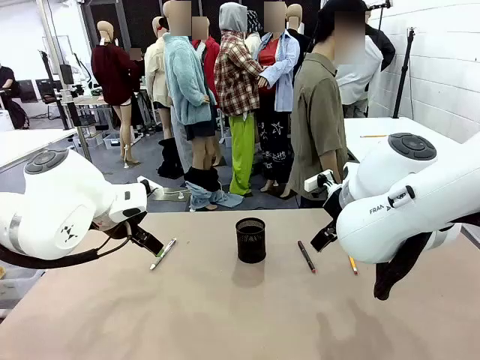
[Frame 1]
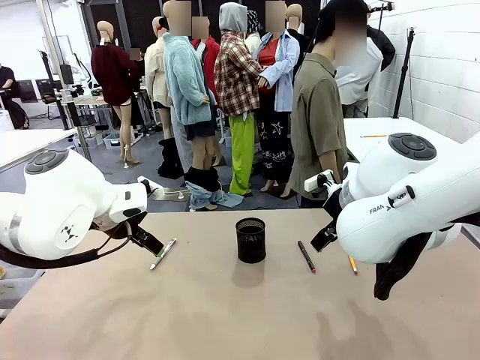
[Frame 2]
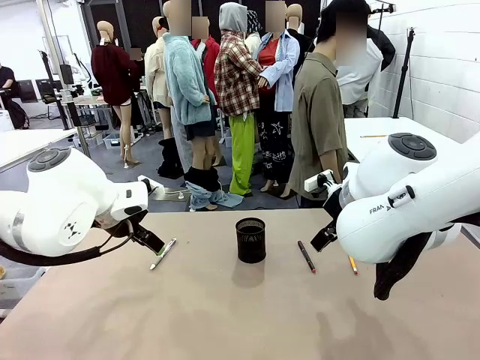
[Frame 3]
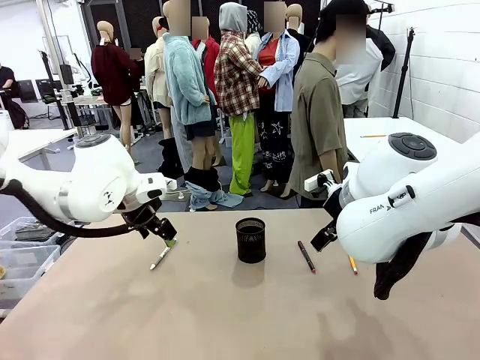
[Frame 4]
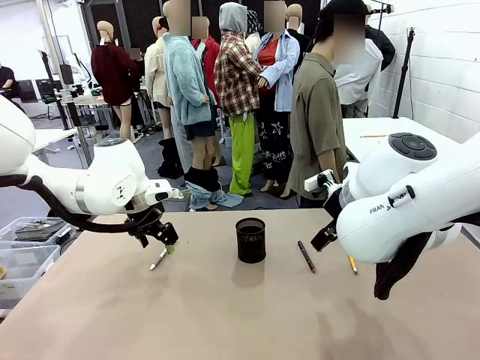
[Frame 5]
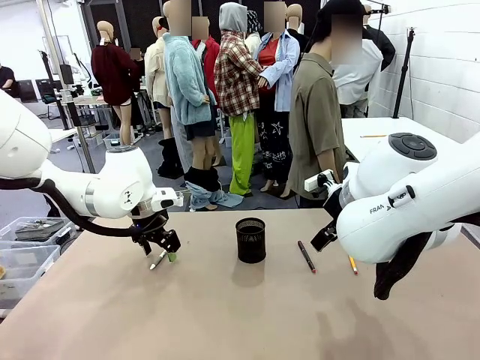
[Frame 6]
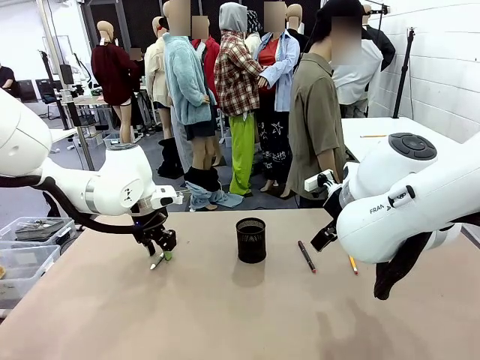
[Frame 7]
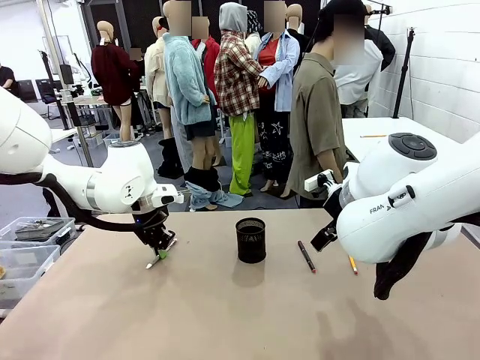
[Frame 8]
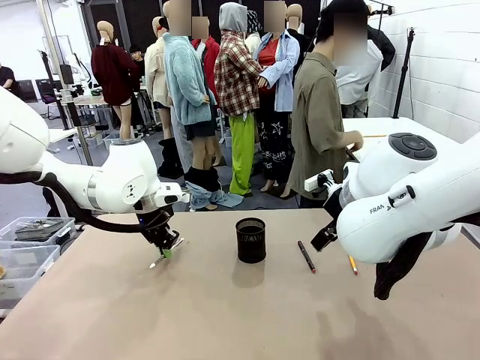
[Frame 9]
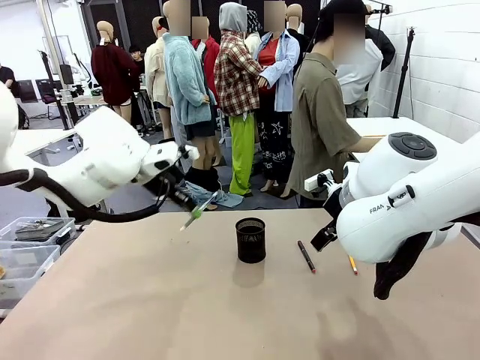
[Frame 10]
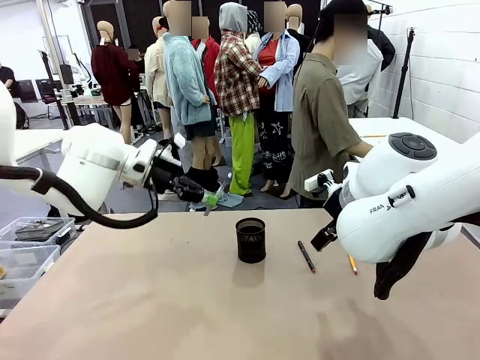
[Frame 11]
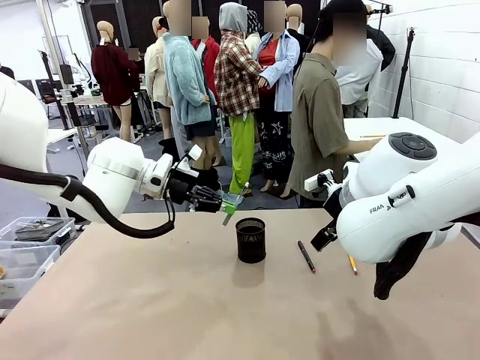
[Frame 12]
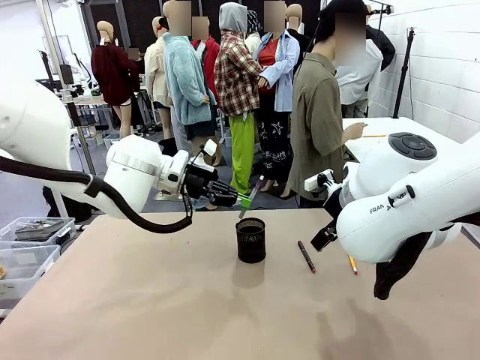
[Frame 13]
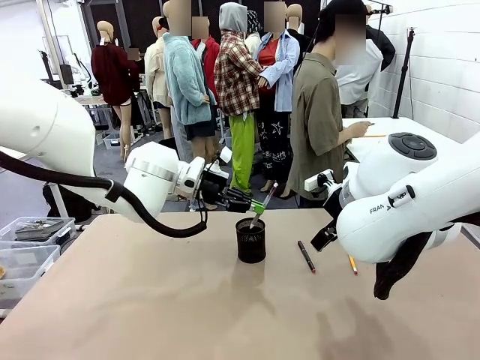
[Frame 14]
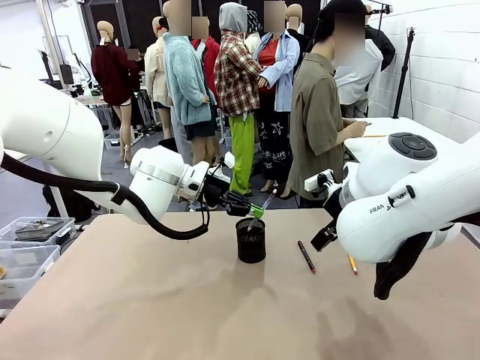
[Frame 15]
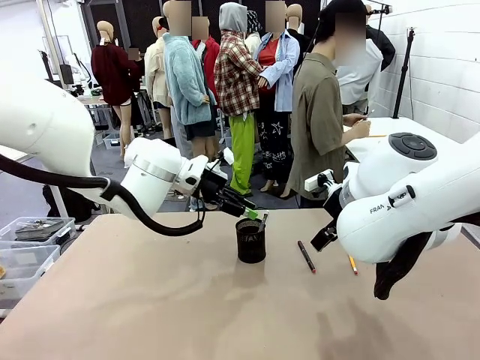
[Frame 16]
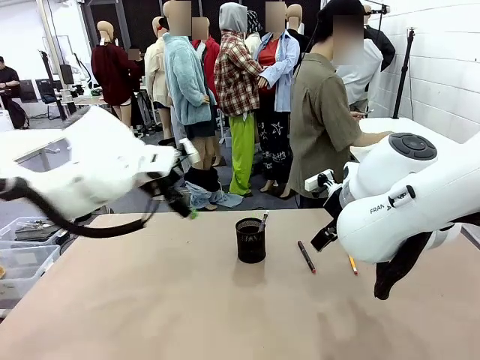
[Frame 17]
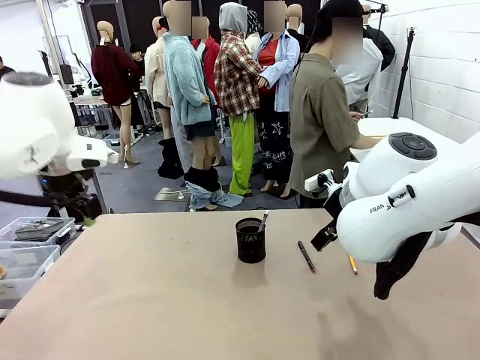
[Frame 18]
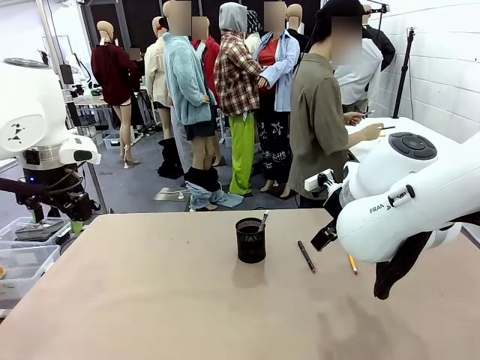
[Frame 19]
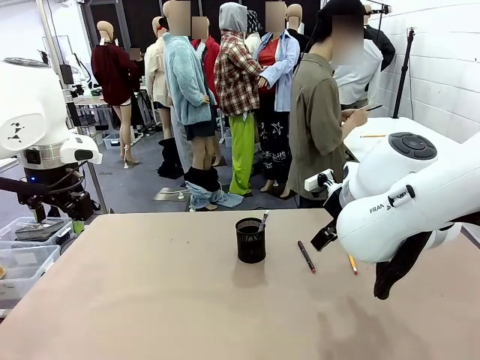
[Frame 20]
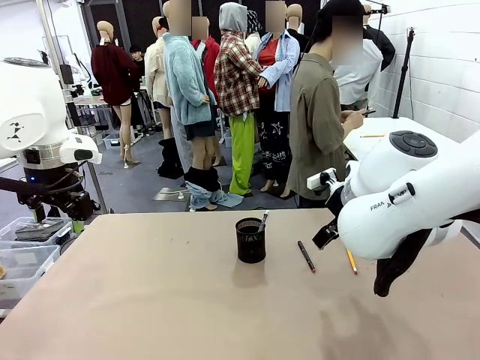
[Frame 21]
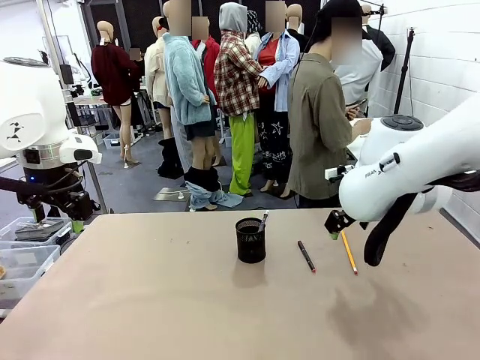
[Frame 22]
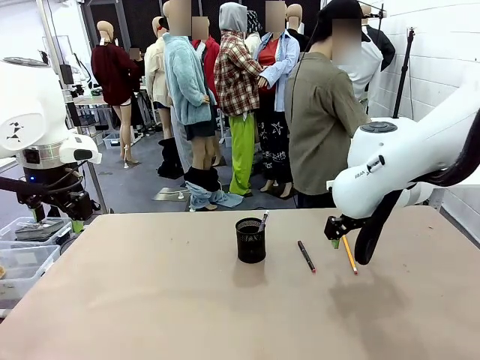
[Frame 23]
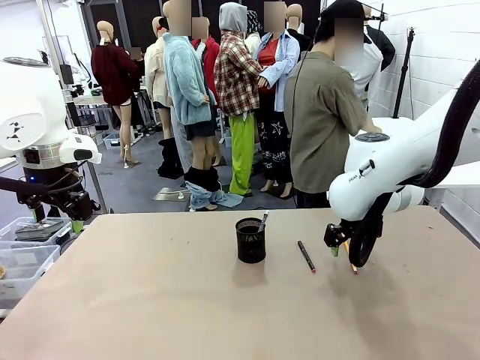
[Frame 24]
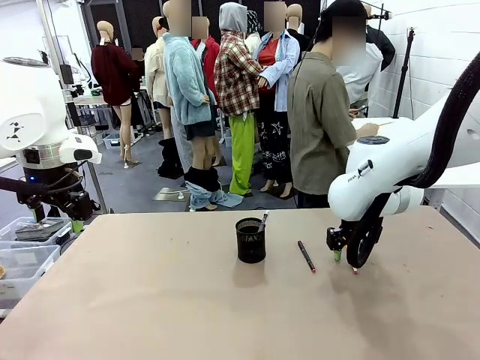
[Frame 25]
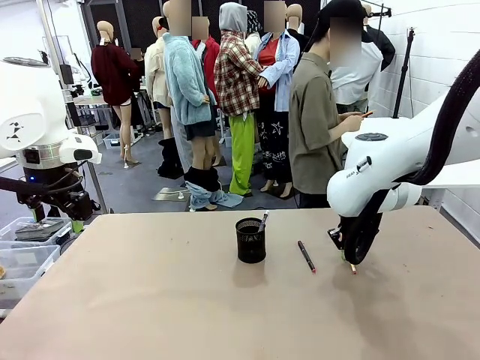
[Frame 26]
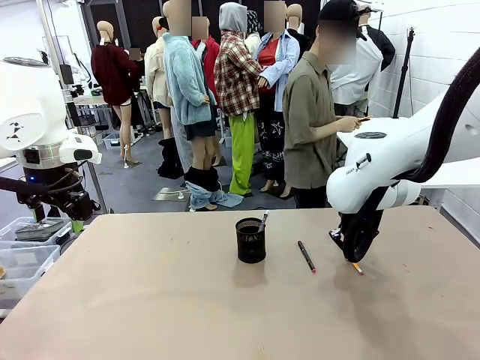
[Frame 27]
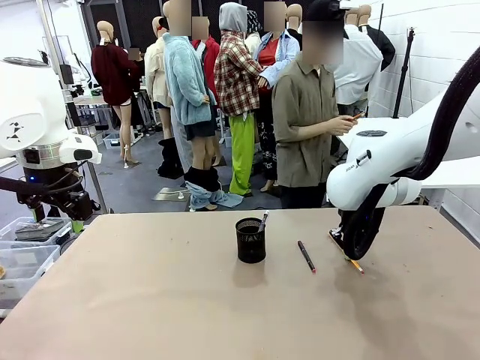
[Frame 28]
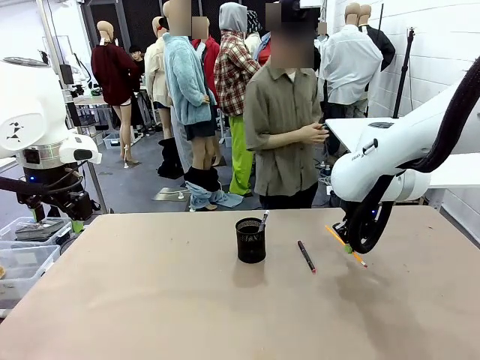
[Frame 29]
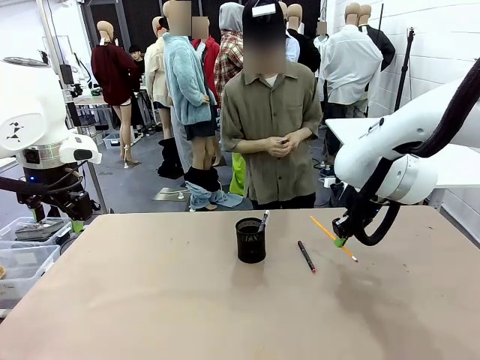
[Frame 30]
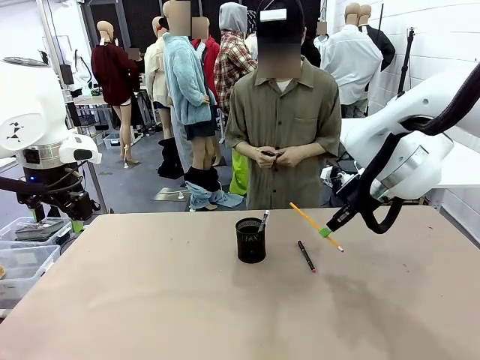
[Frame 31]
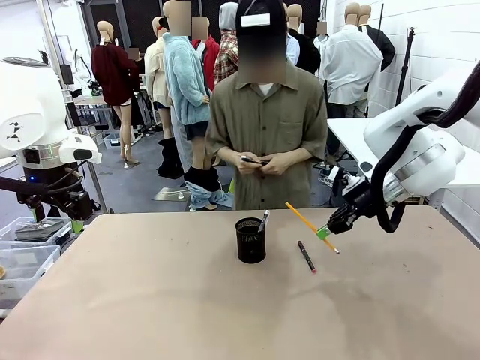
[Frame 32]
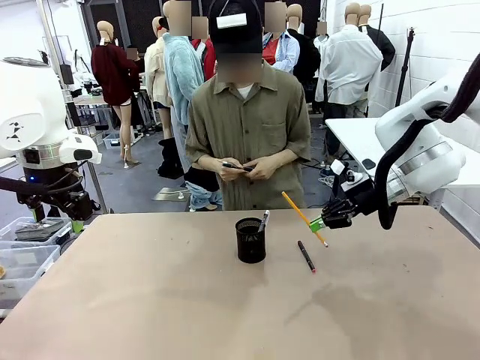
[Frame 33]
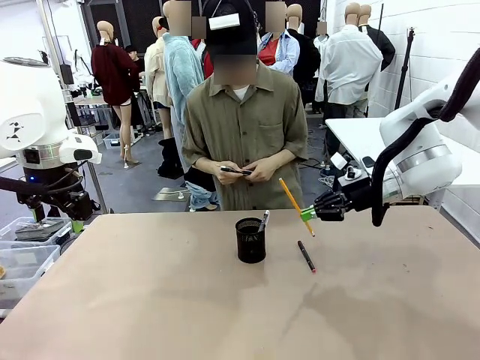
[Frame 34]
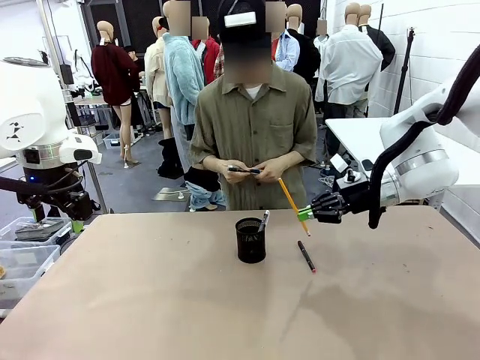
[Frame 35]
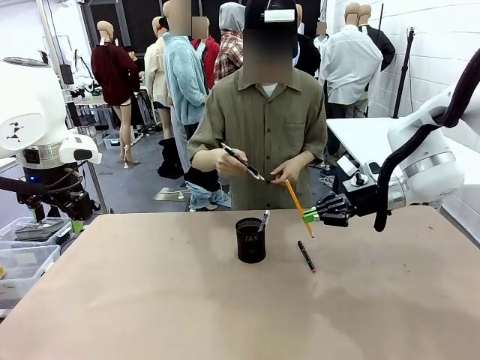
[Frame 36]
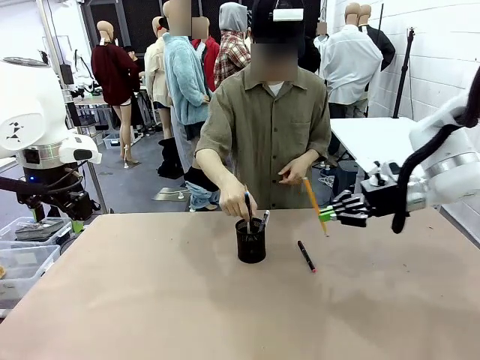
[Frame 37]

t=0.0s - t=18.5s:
Task: Place the pens into the pen holder.
Robot: Pick up a writing instrument from the table and place it into the Pen holder.
Person: Pick up all writing instruments from the Human table.
